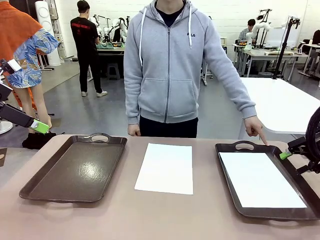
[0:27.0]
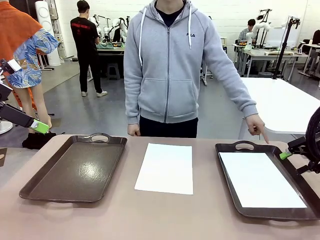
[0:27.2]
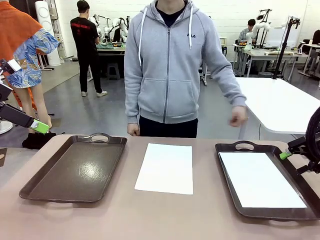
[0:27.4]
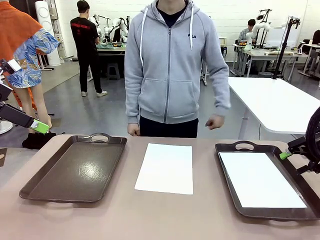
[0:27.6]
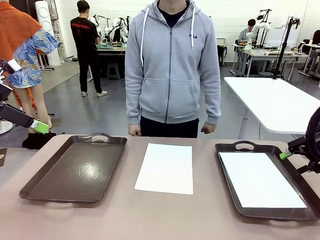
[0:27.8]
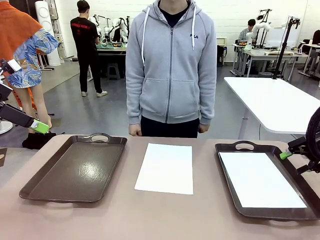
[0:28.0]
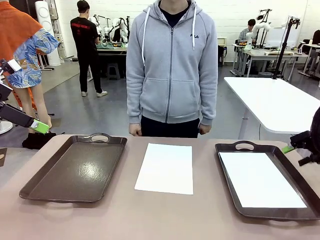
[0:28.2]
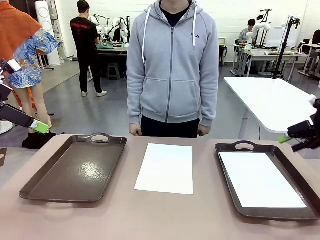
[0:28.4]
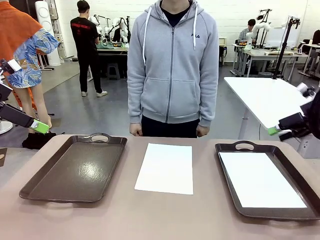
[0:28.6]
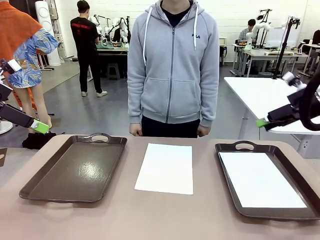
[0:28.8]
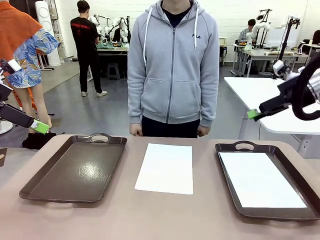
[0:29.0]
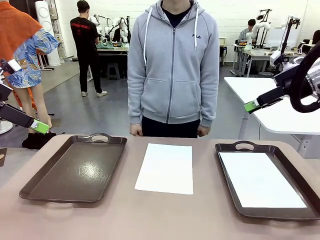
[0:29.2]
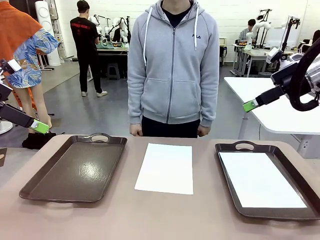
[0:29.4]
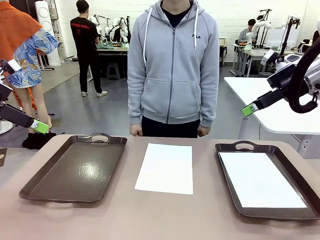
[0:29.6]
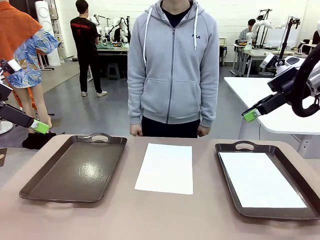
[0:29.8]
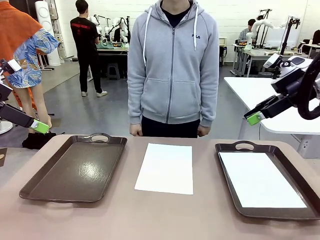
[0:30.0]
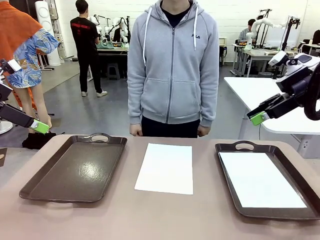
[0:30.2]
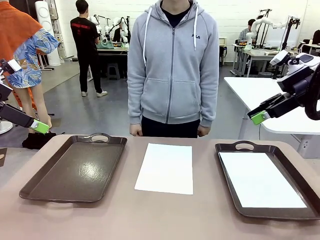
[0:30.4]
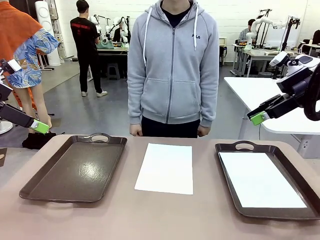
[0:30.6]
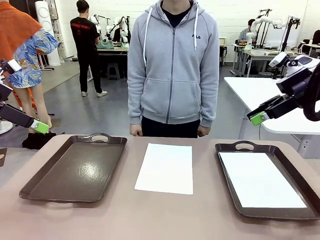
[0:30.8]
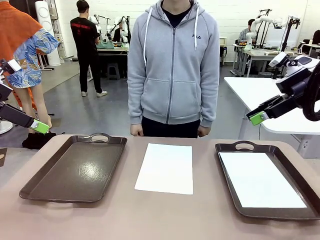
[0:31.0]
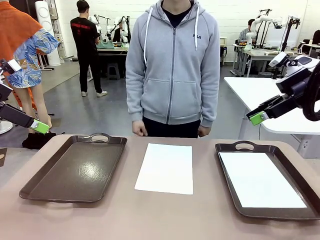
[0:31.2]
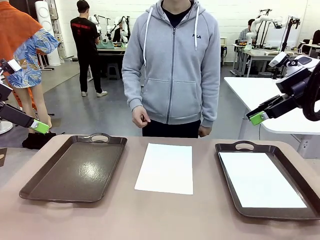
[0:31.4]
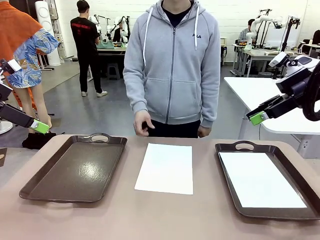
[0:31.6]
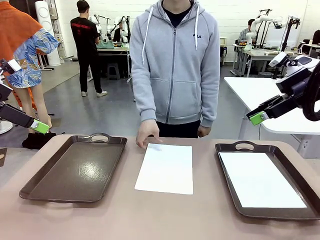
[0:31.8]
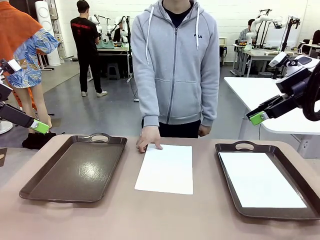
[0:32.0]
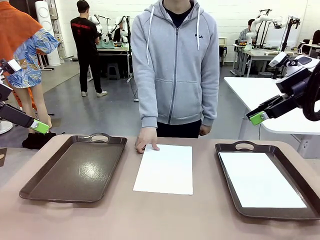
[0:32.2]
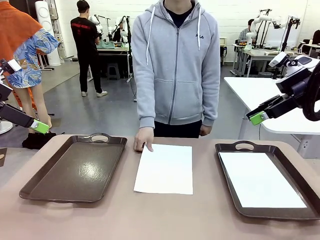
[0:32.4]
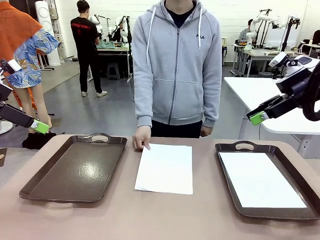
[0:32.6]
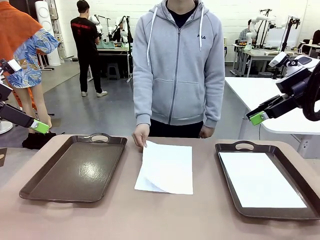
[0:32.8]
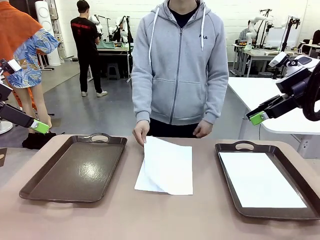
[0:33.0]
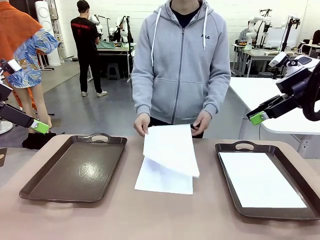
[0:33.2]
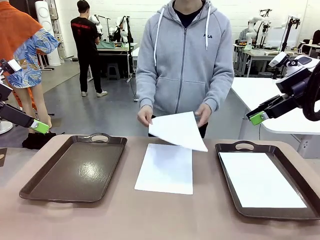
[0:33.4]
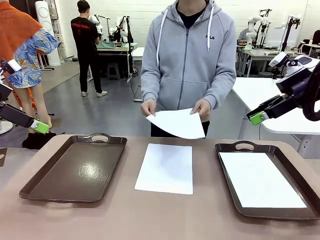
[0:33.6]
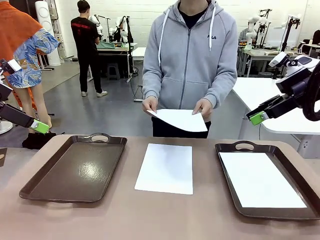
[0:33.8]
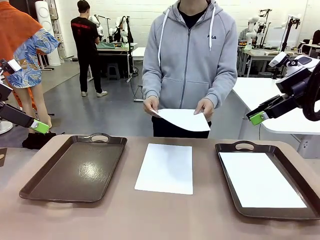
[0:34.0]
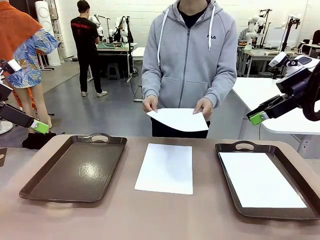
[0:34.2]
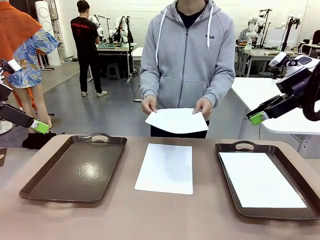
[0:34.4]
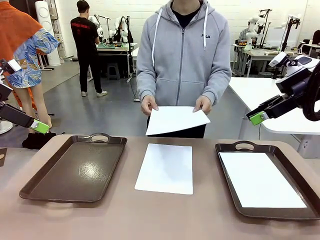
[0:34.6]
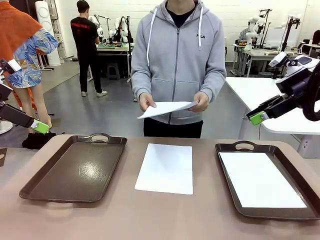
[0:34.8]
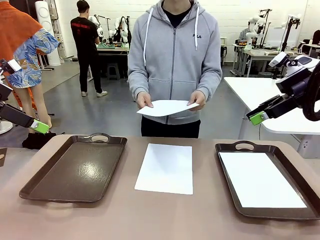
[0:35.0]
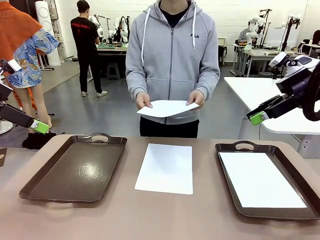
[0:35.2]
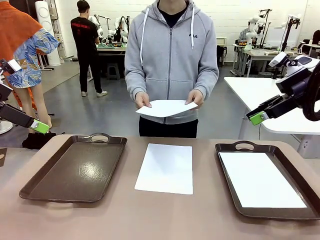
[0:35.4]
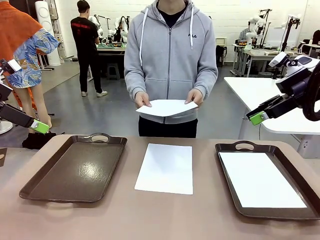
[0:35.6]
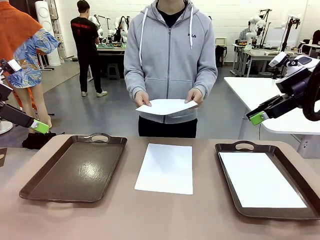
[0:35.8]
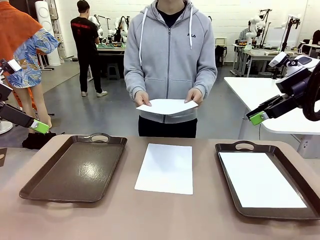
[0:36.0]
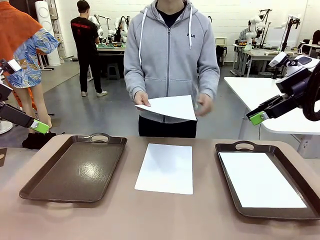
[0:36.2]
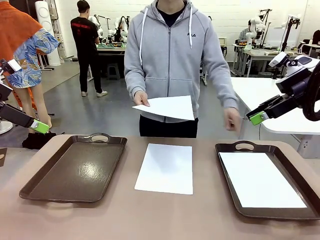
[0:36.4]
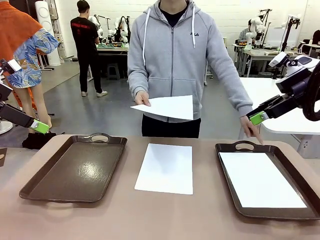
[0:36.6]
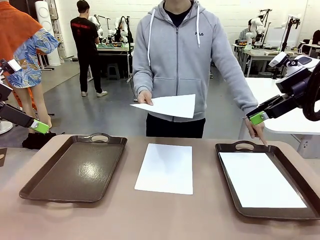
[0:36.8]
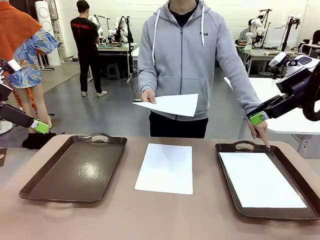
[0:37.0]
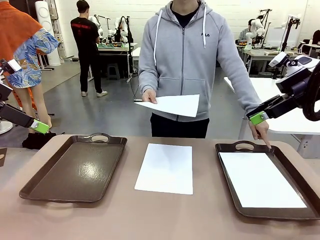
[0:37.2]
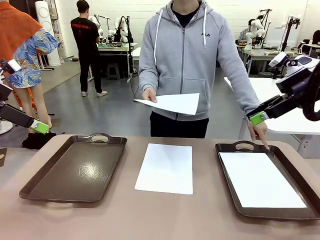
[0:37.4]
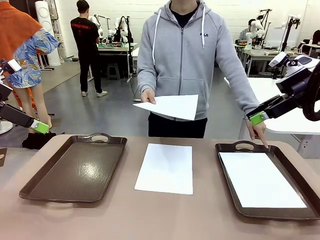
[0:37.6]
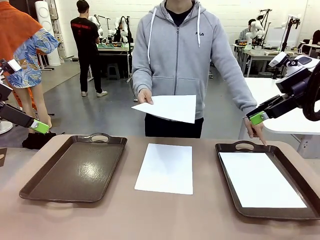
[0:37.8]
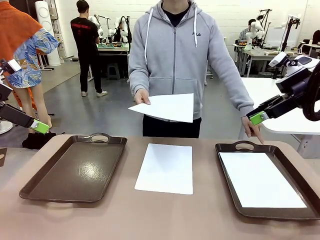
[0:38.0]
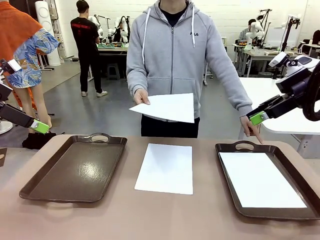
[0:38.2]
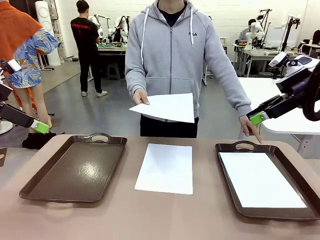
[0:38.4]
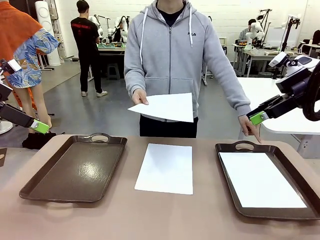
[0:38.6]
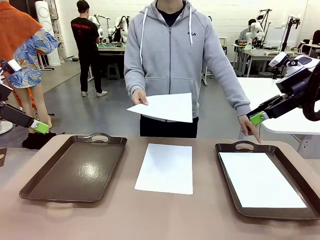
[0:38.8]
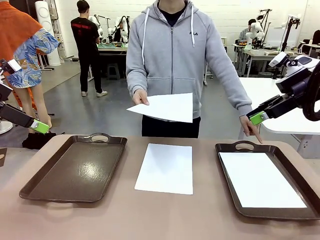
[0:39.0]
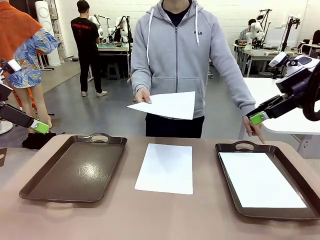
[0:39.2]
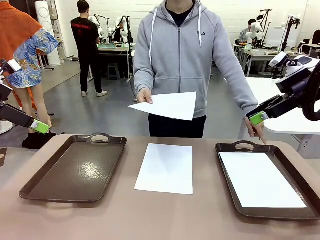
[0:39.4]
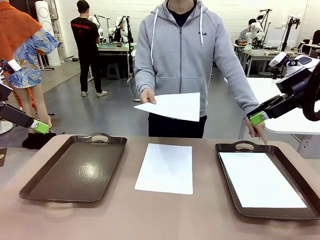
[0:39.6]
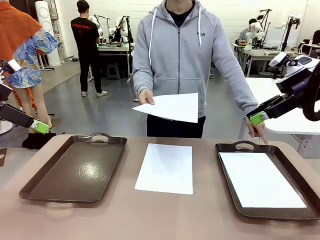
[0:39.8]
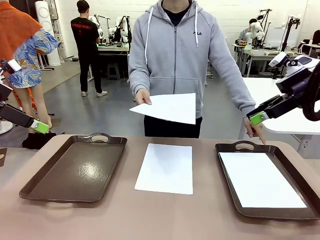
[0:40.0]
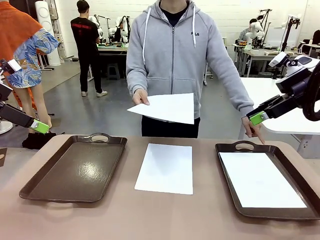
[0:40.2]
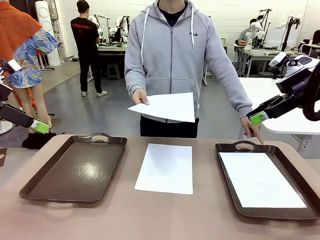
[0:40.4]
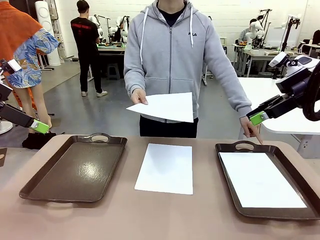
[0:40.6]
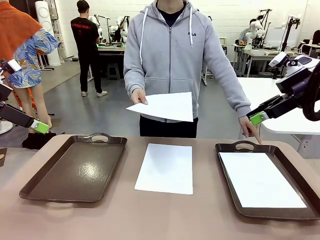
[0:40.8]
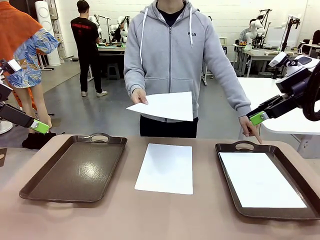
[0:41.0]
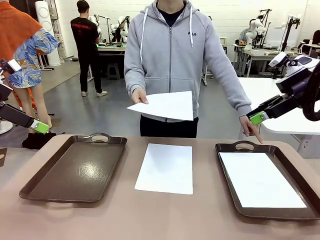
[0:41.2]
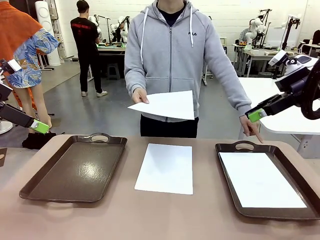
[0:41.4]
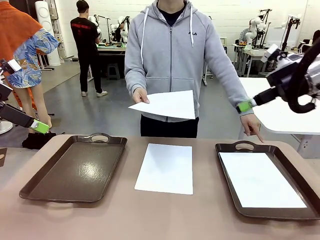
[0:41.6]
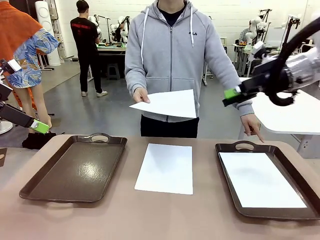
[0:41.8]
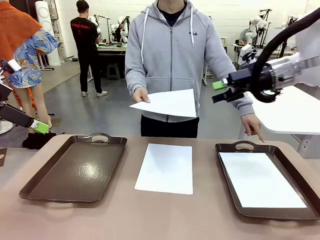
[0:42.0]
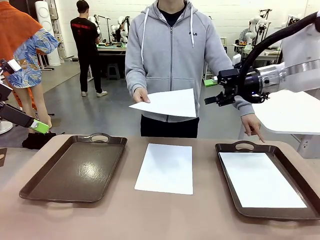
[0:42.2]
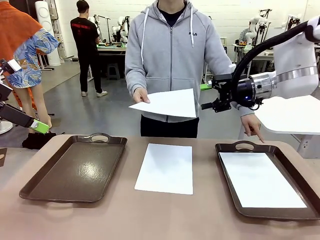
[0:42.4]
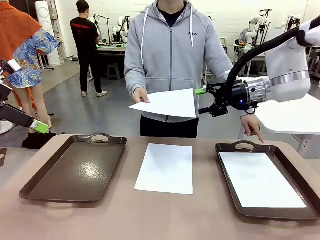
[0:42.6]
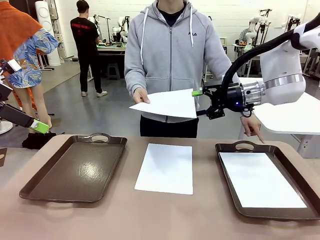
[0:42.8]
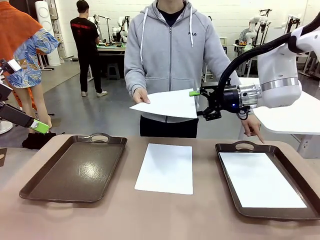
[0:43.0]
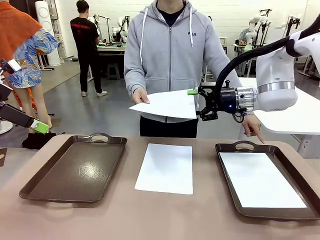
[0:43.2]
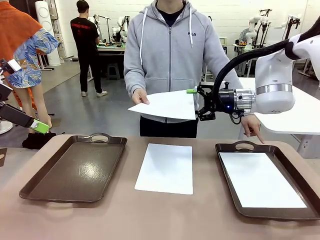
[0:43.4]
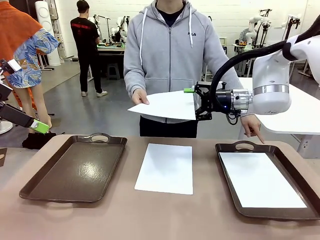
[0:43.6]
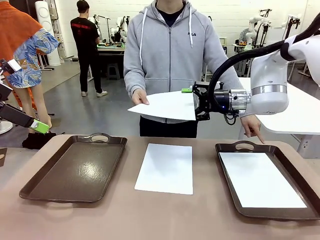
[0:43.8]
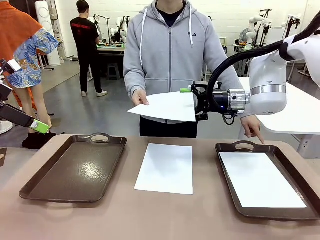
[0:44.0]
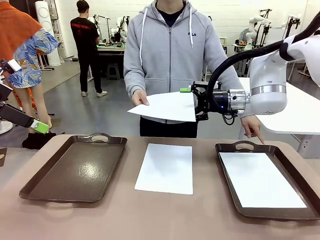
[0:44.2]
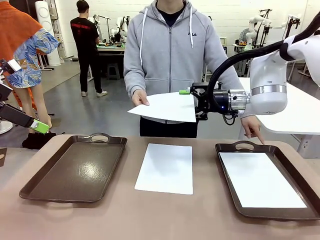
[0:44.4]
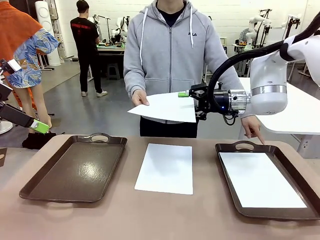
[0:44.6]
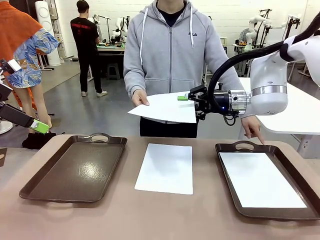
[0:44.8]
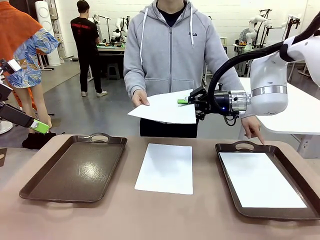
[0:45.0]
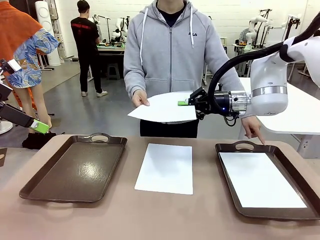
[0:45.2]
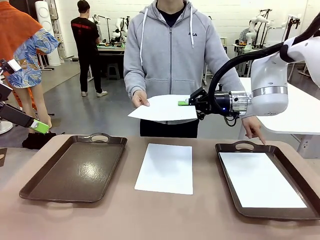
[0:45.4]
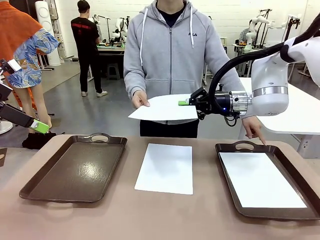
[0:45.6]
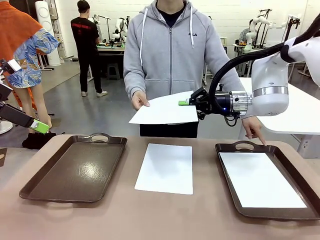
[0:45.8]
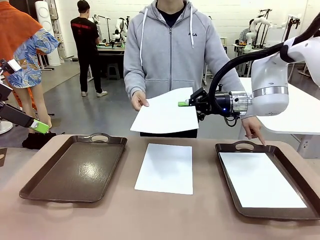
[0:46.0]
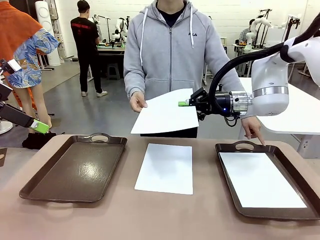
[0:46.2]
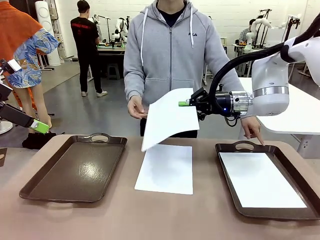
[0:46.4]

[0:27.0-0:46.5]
Task: Sort the A4 documents.
Robot: Receive the A4 Paper.
Person: Point the randomly selected tray with the other hand.
